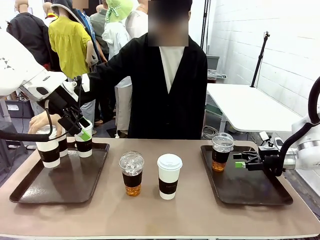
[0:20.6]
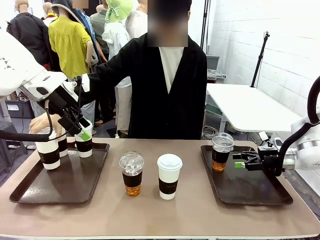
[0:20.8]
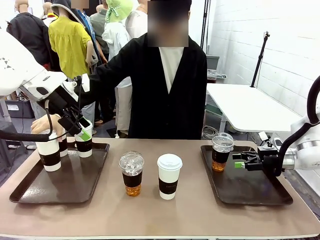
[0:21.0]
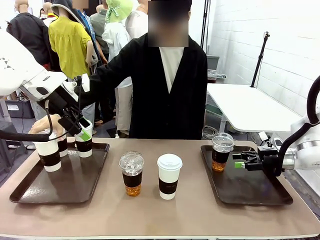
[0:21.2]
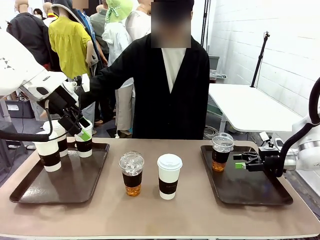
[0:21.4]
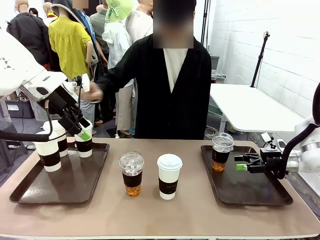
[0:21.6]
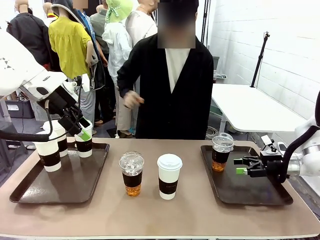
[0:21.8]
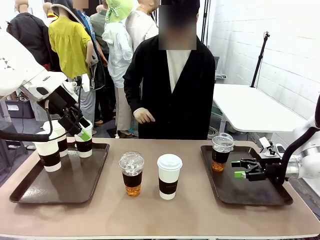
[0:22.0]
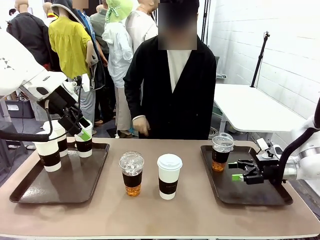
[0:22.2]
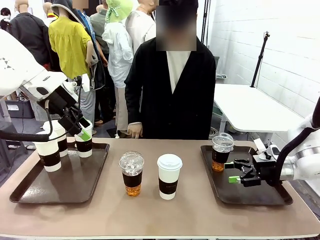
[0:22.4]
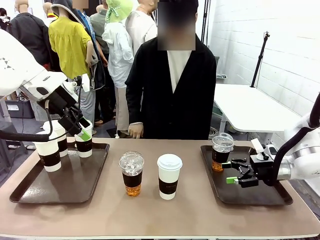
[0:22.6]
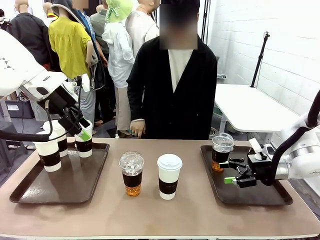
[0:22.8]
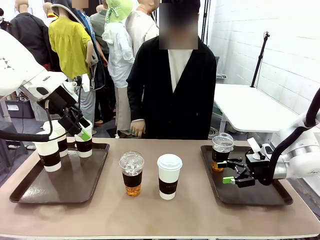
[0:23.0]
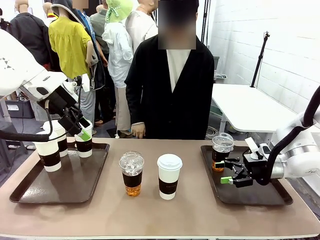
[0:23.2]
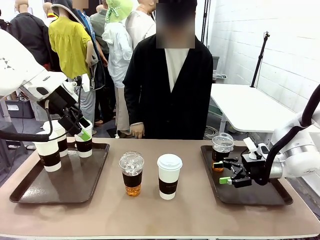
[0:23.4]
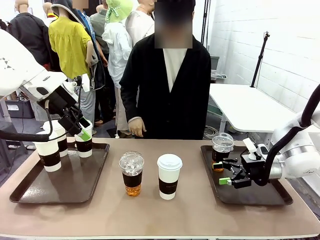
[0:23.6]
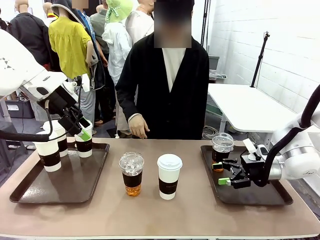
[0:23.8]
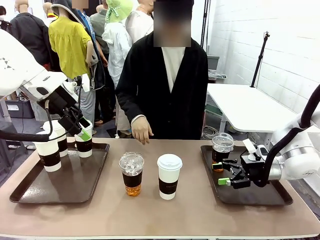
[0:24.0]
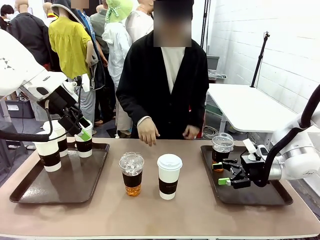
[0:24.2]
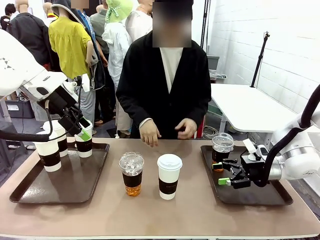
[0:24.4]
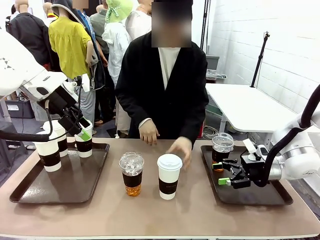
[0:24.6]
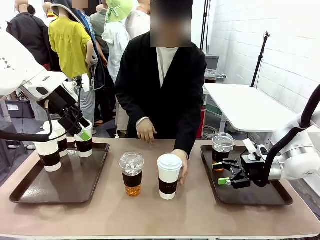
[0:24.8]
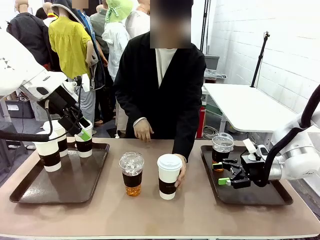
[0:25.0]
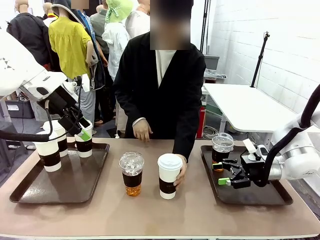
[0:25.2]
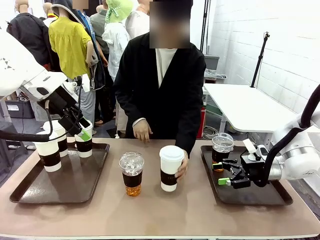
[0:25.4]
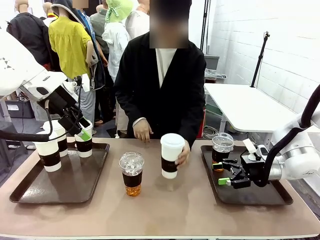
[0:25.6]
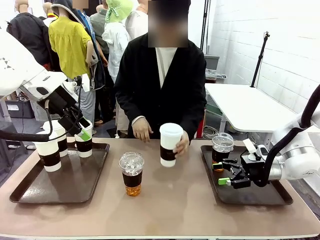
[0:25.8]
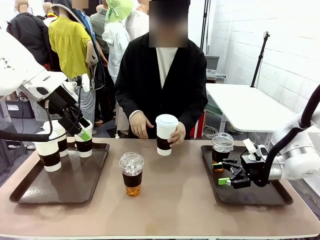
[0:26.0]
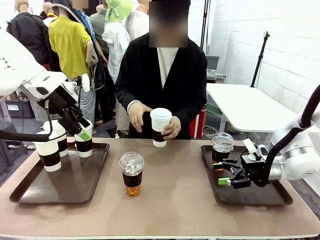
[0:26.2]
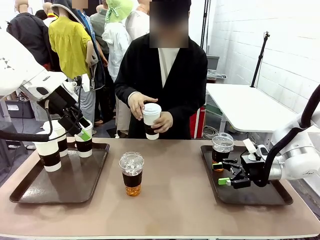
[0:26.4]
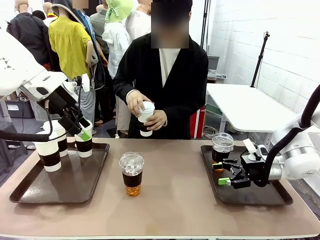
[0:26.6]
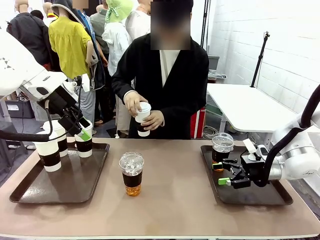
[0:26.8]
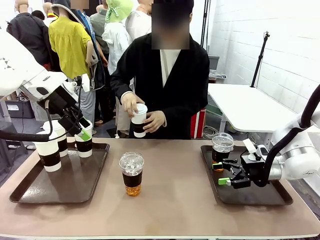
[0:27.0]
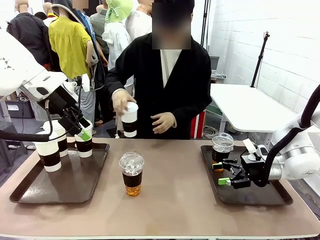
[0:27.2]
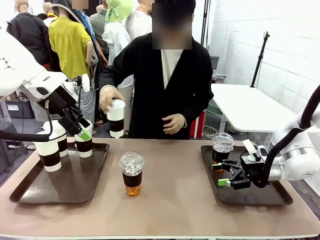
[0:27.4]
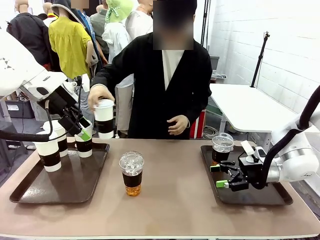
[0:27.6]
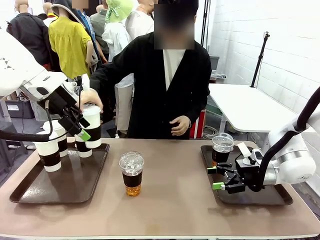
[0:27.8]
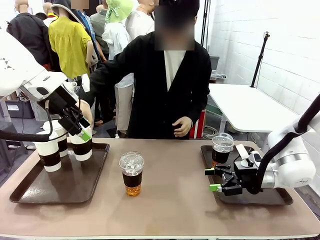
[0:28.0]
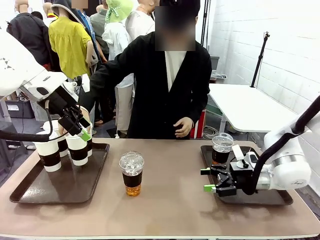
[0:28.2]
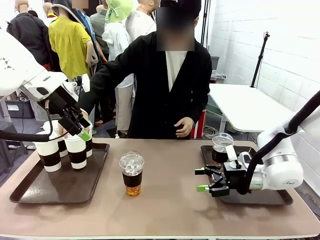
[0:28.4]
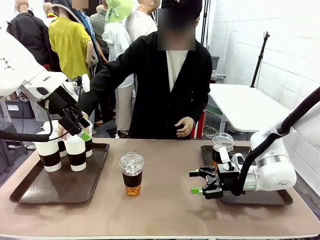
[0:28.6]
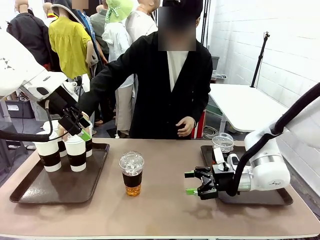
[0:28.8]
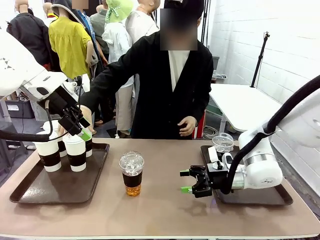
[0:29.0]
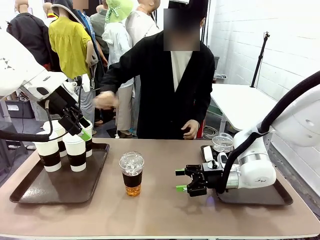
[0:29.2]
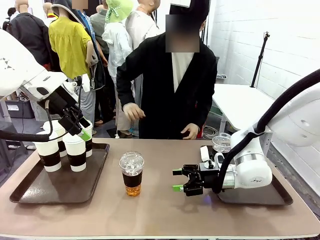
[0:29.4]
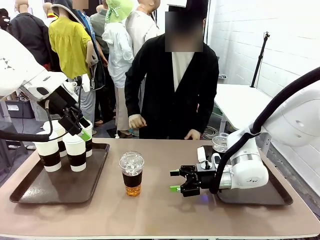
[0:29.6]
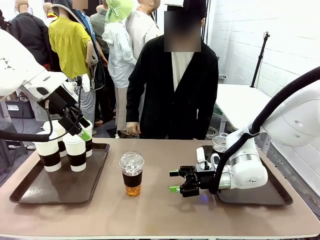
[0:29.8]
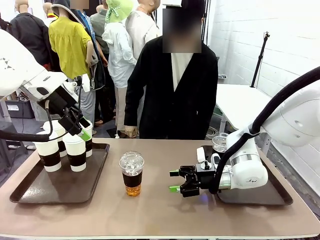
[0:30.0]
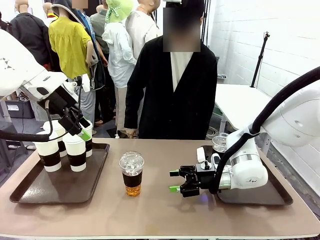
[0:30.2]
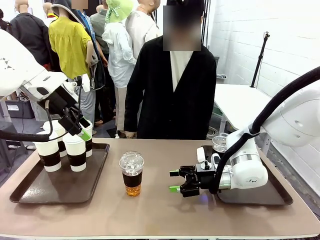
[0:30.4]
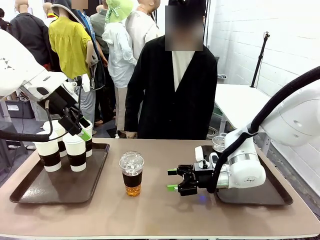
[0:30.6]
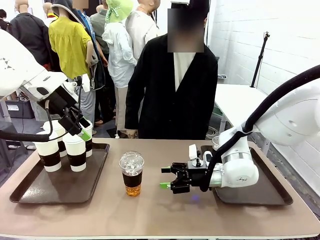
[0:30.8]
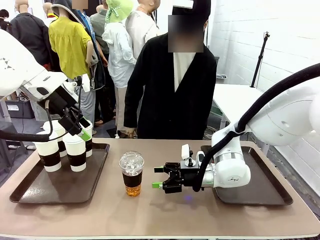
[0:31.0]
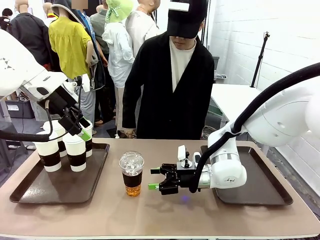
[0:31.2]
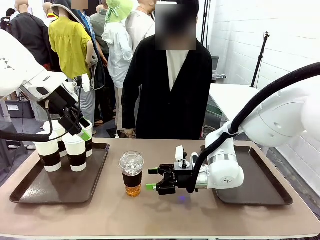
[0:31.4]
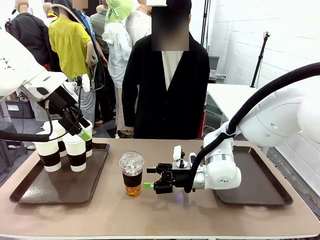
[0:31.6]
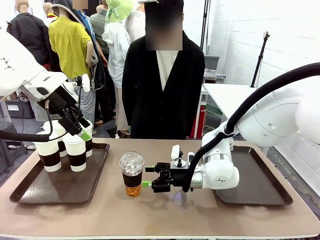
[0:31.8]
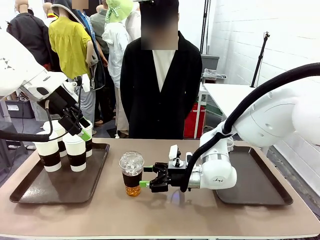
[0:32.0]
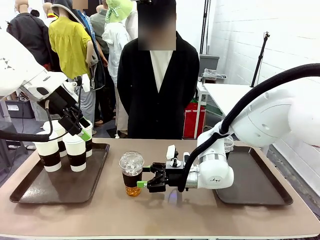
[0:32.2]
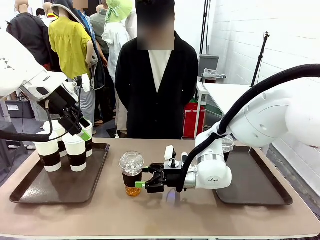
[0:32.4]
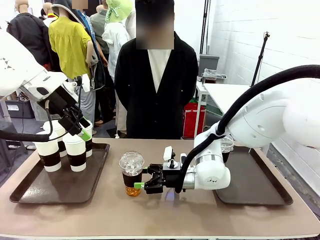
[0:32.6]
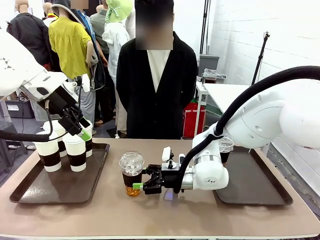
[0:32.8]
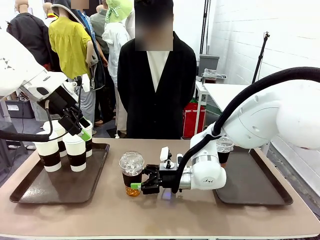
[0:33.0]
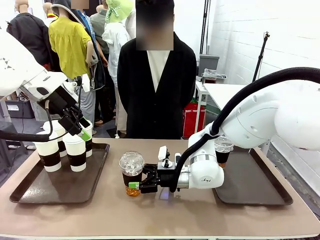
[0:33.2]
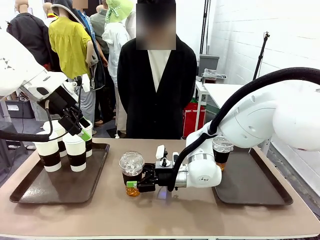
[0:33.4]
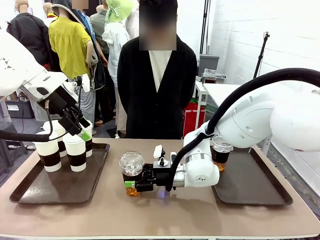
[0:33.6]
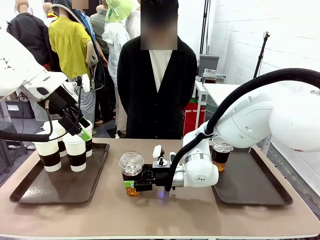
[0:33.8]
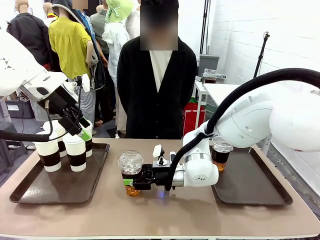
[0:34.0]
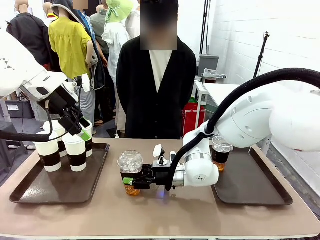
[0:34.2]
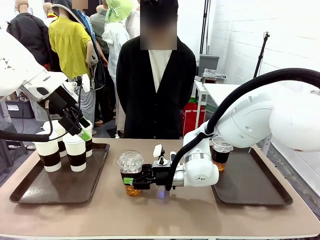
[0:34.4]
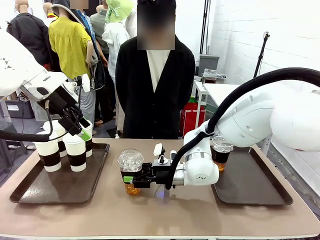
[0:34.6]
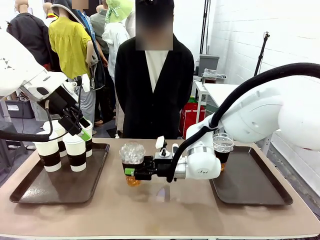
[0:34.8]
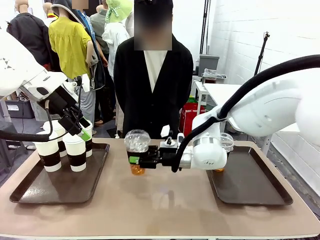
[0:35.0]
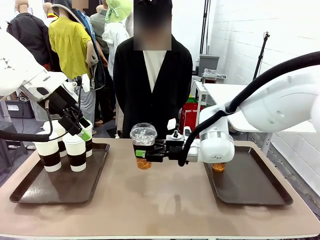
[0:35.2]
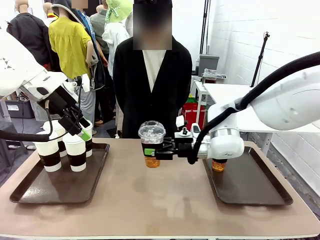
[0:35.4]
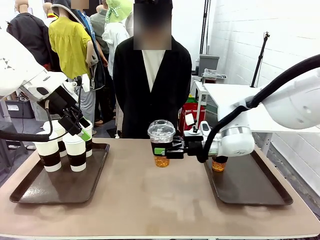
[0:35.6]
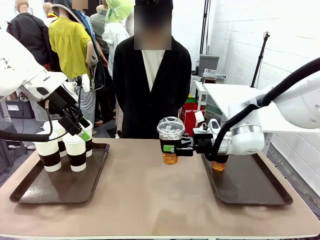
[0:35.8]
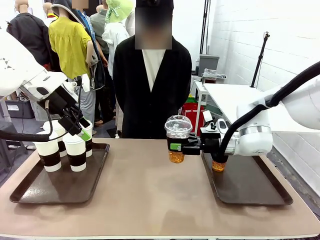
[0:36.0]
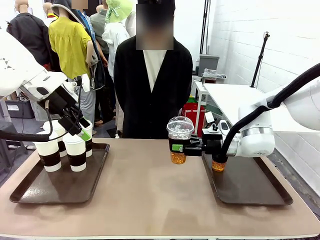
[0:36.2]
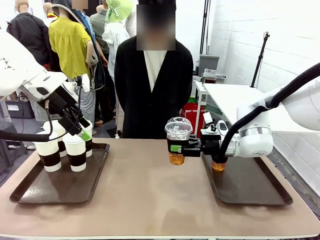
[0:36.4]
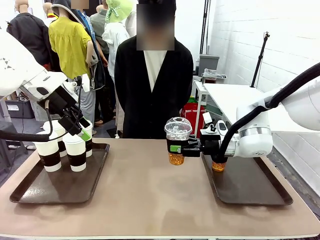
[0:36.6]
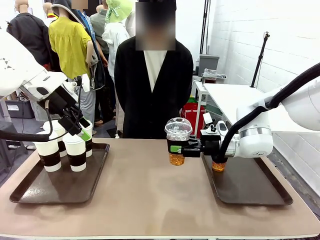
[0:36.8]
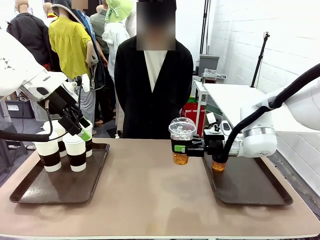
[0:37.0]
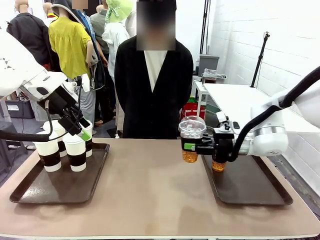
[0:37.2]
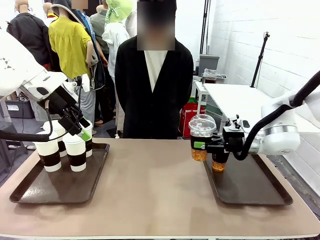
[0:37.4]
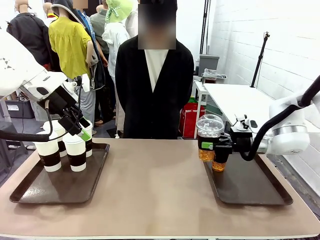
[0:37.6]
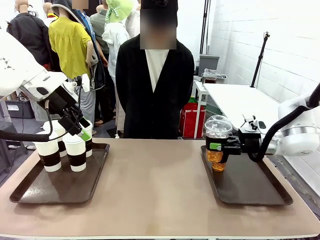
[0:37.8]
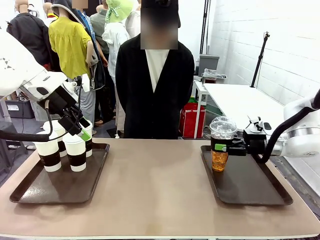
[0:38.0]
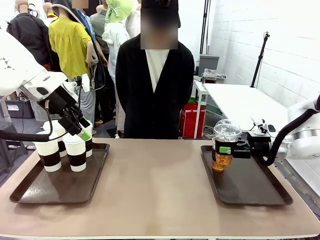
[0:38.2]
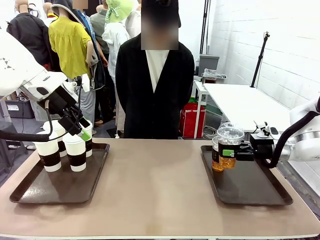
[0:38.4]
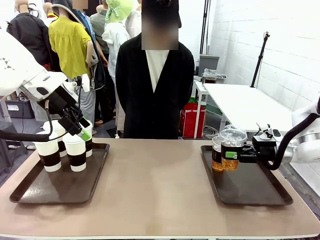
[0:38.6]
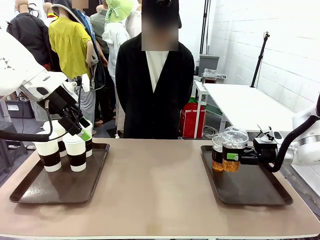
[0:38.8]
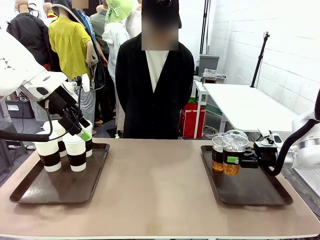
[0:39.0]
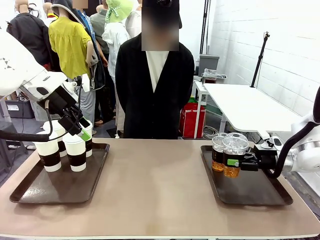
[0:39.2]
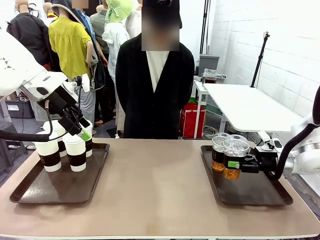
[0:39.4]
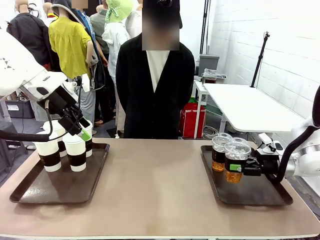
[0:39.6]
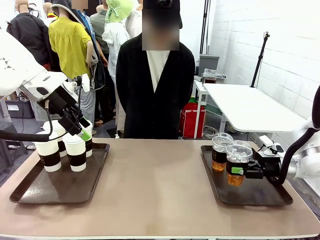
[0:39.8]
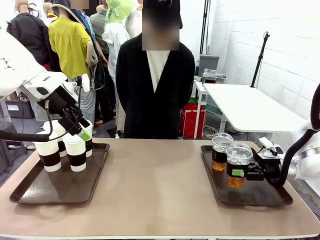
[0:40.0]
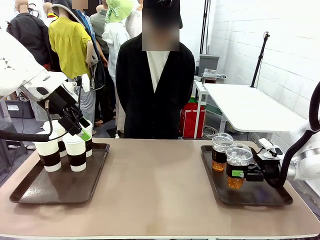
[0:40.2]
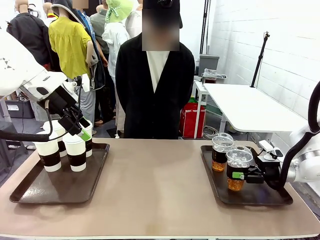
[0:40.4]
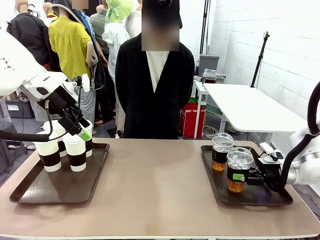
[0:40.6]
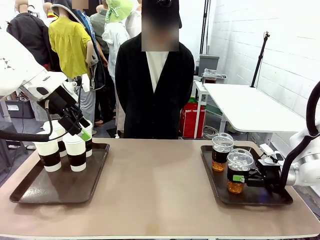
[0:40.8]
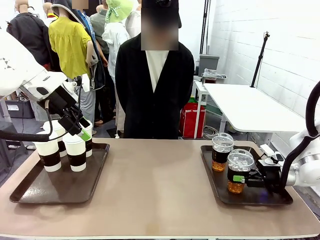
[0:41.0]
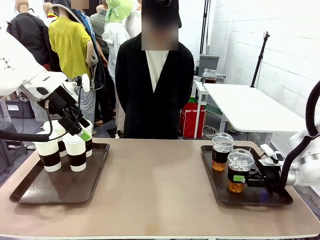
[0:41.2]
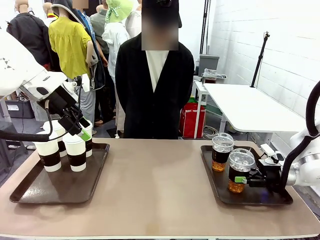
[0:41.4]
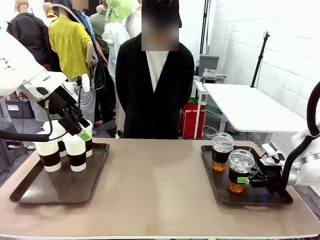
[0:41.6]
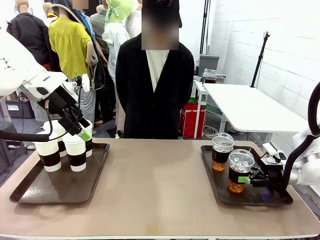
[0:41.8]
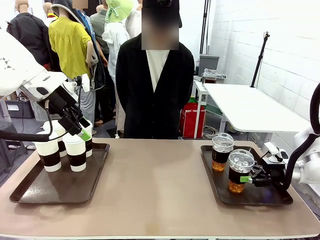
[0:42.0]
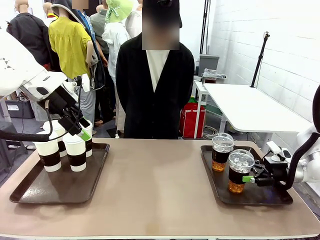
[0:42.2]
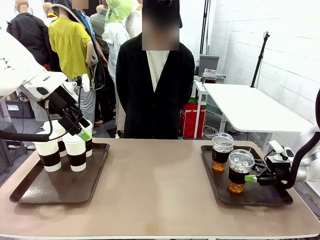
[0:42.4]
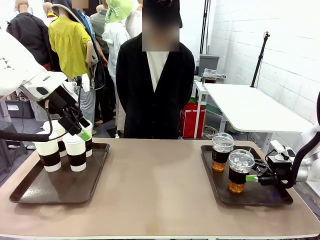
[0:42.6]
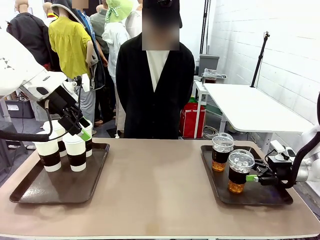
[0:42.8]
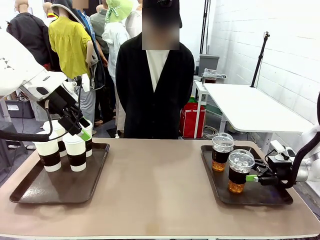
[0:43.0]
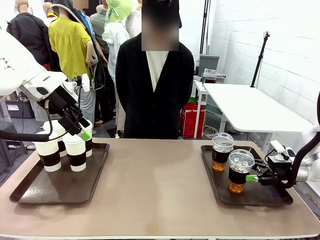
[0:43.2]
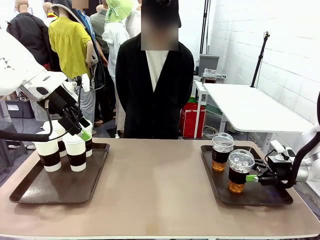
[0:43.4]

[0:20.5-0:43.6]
Task: Distribute the coffee onto the tray.
Robot: Pick up another iced Americano from the middle of the table and place it on the right Handle tray.
Person: Pick up a cup of hot Americano from the middle of the table and place it on the right tray.
